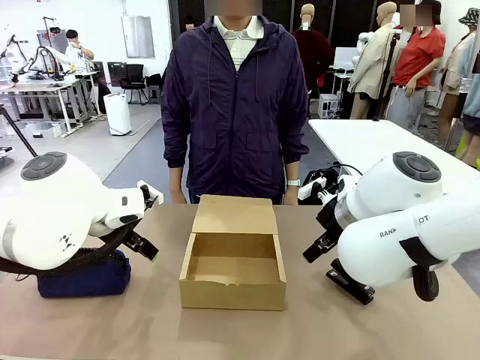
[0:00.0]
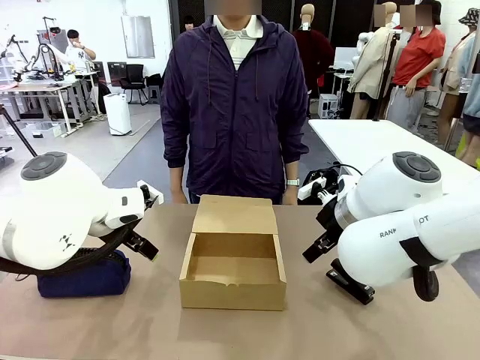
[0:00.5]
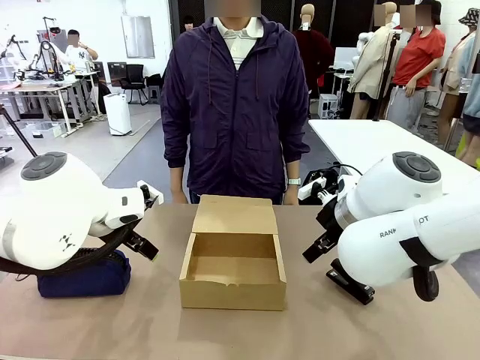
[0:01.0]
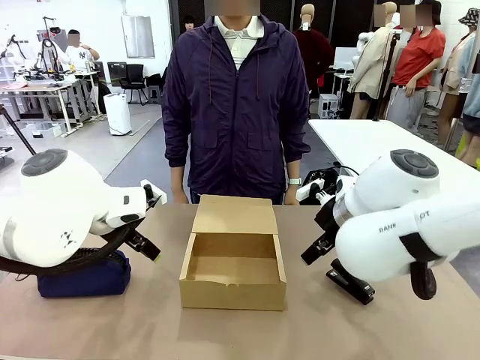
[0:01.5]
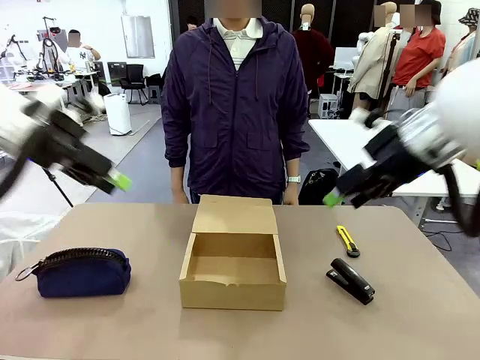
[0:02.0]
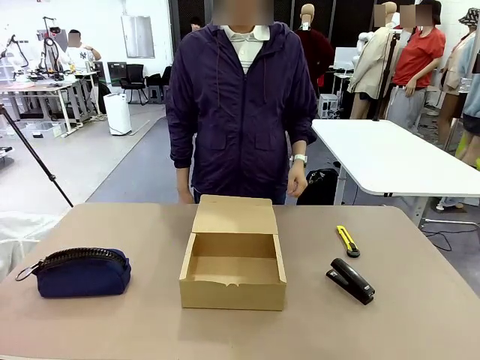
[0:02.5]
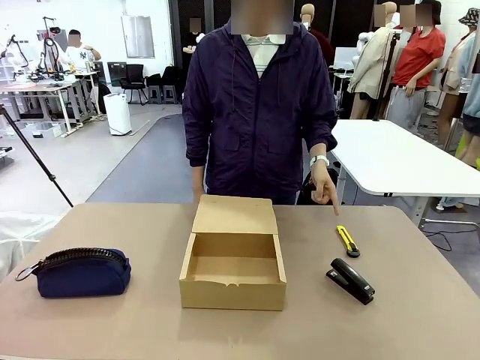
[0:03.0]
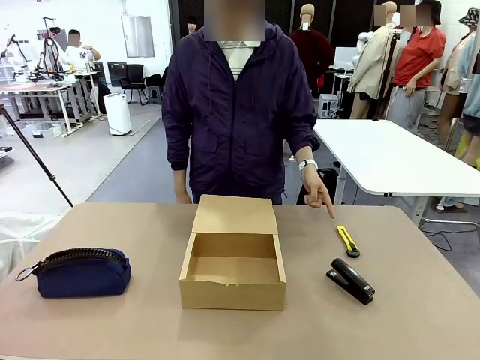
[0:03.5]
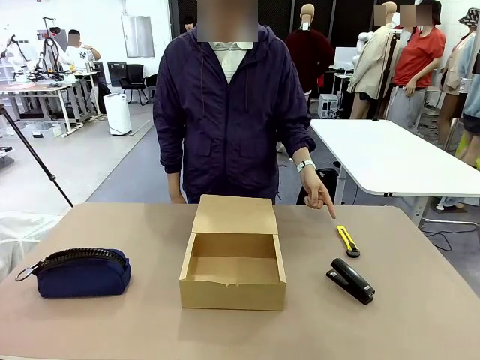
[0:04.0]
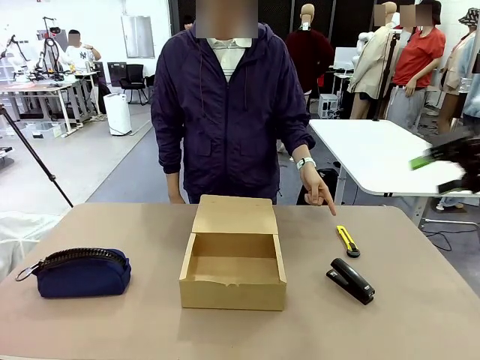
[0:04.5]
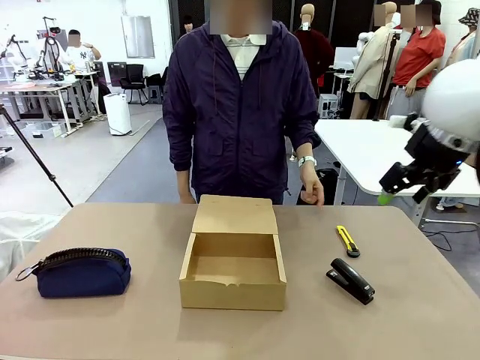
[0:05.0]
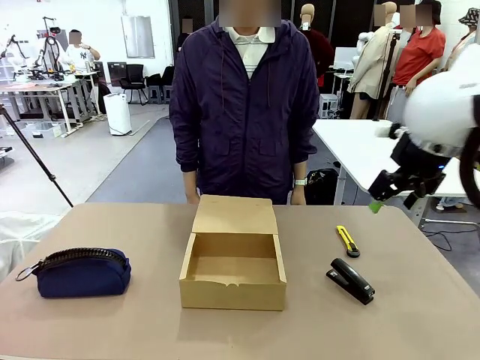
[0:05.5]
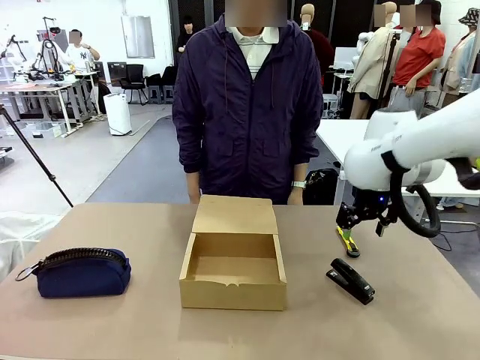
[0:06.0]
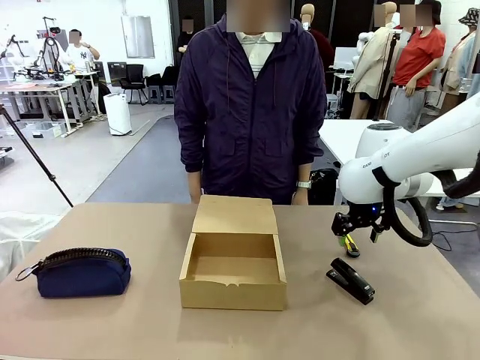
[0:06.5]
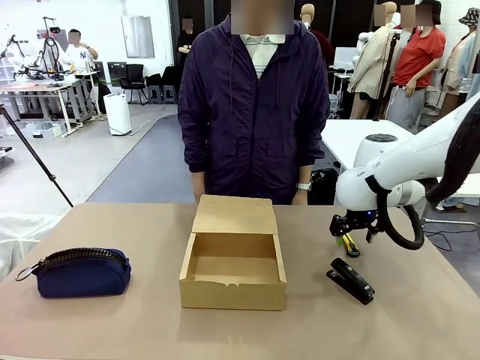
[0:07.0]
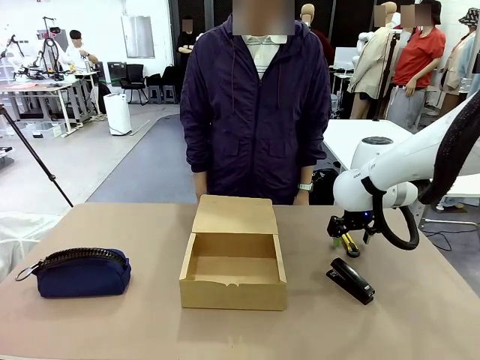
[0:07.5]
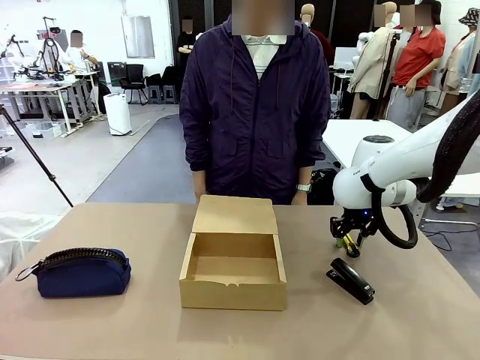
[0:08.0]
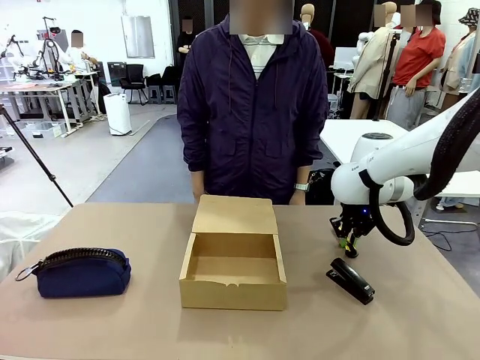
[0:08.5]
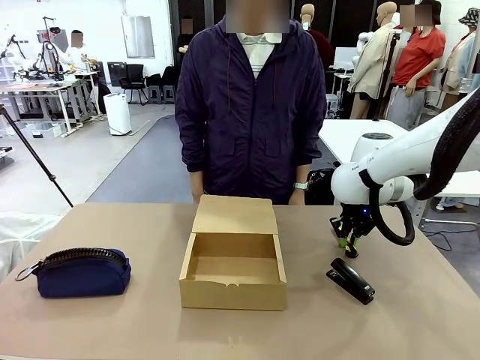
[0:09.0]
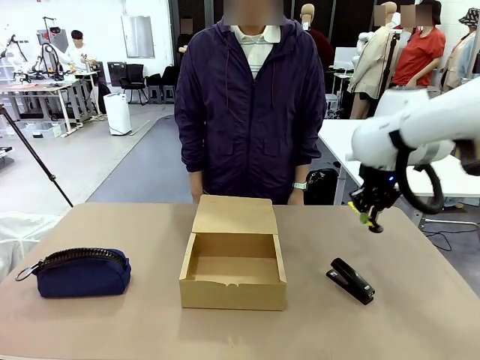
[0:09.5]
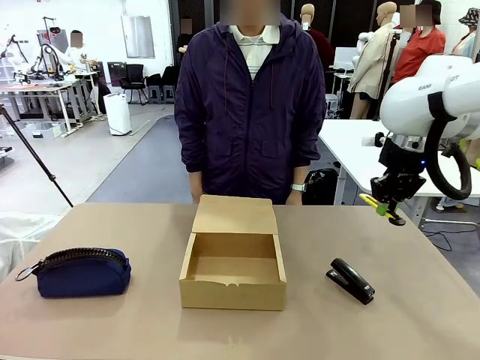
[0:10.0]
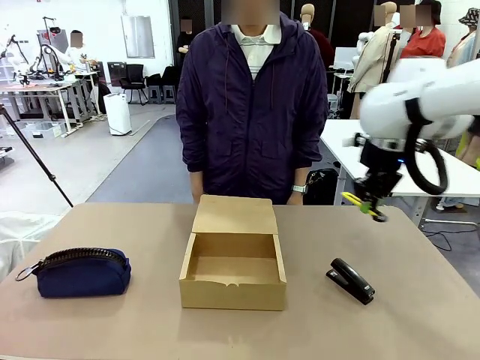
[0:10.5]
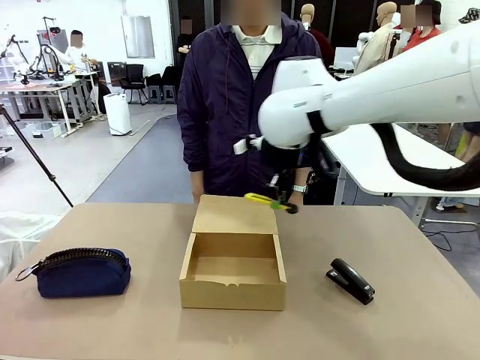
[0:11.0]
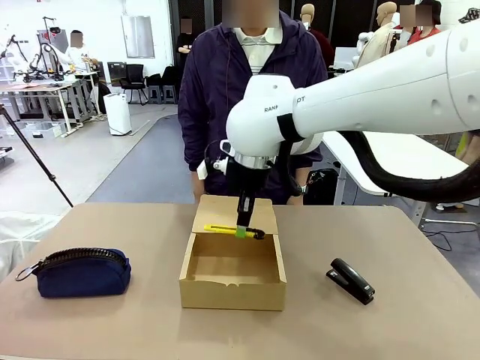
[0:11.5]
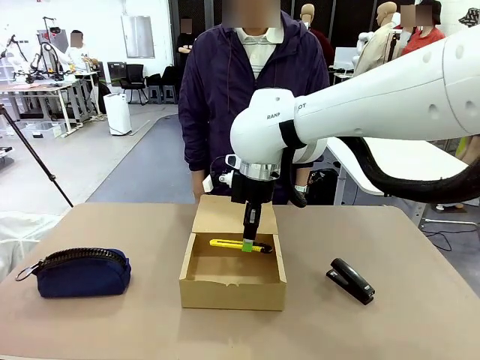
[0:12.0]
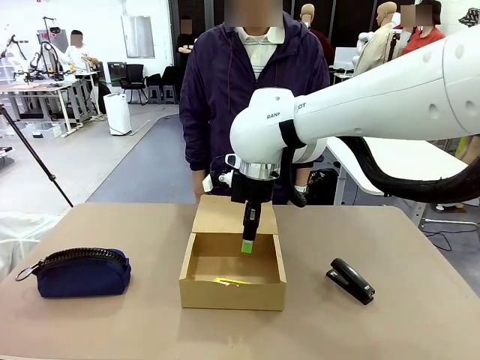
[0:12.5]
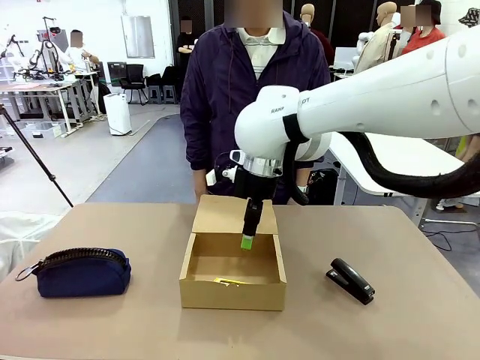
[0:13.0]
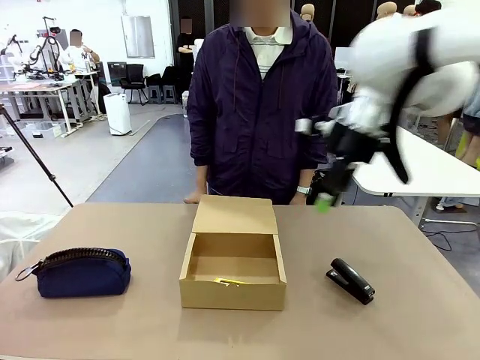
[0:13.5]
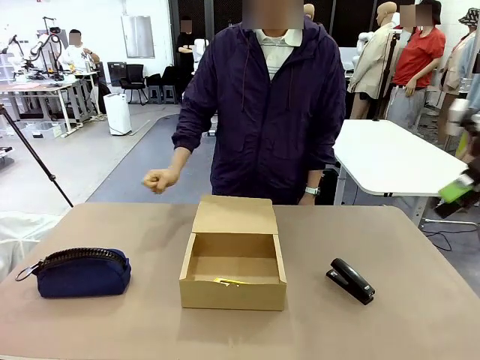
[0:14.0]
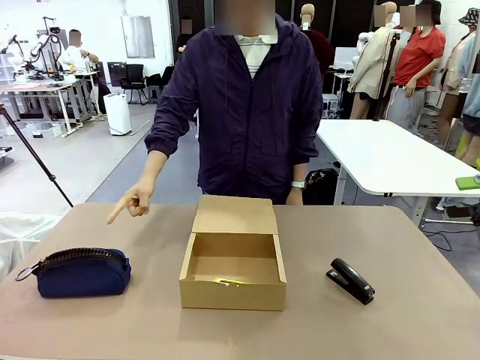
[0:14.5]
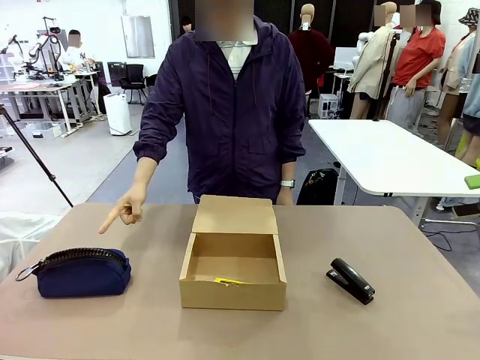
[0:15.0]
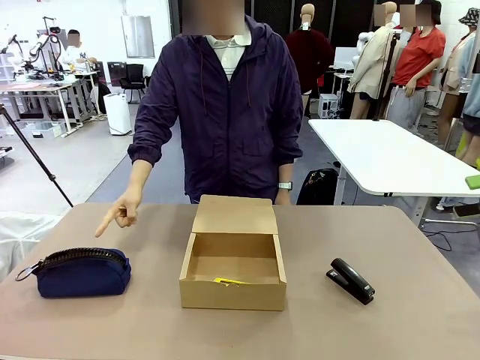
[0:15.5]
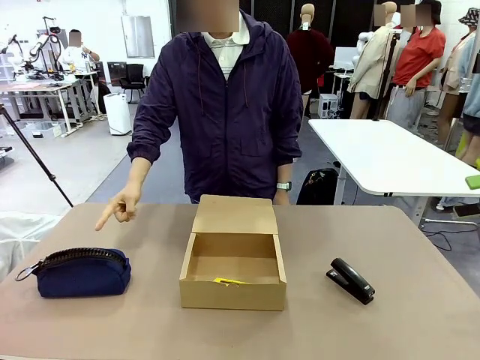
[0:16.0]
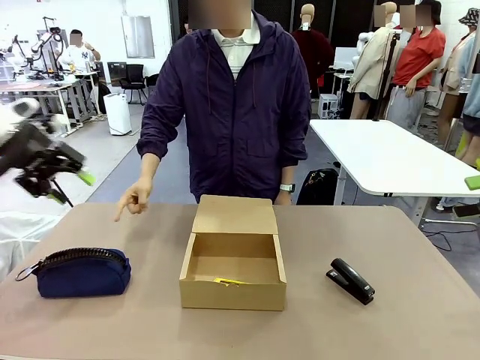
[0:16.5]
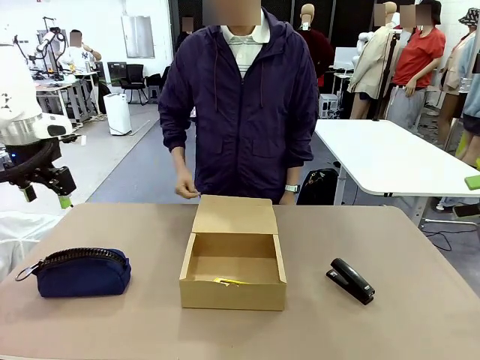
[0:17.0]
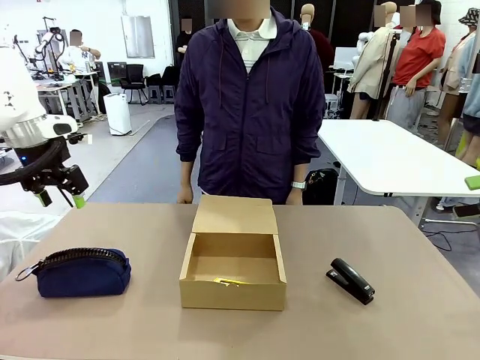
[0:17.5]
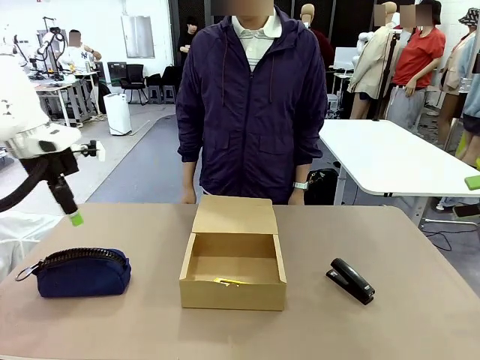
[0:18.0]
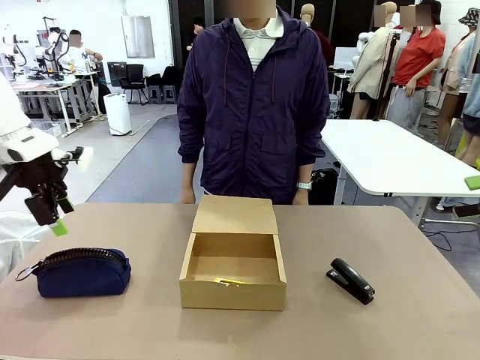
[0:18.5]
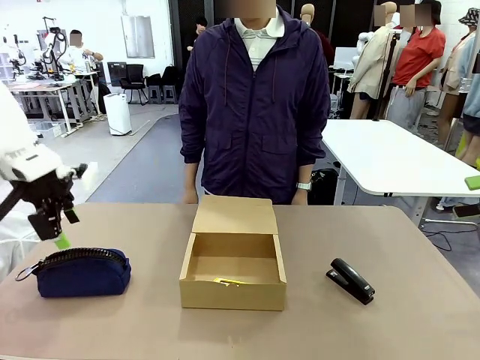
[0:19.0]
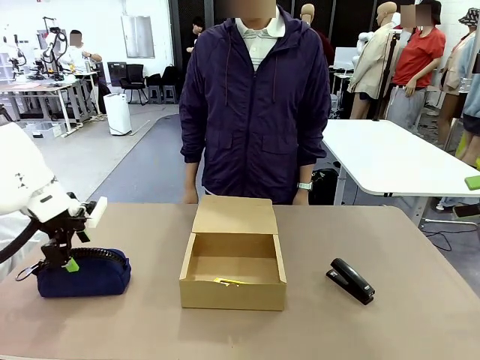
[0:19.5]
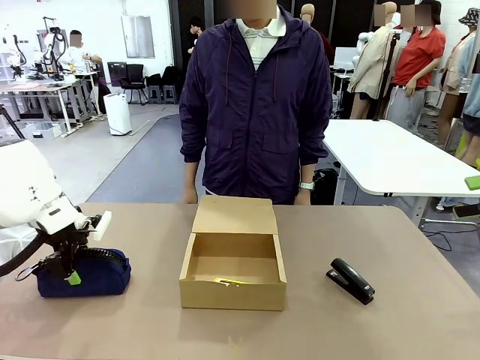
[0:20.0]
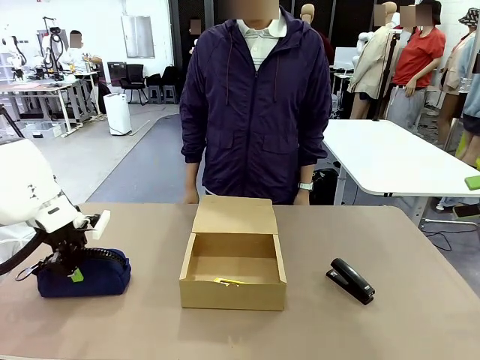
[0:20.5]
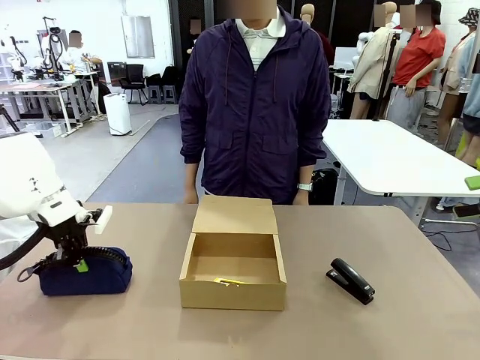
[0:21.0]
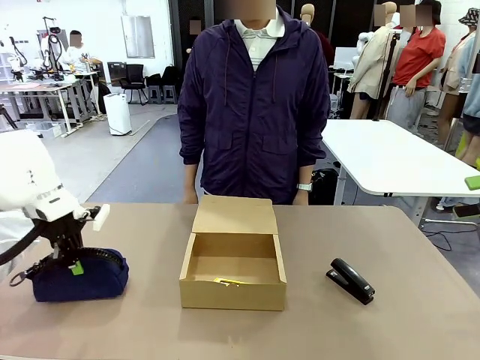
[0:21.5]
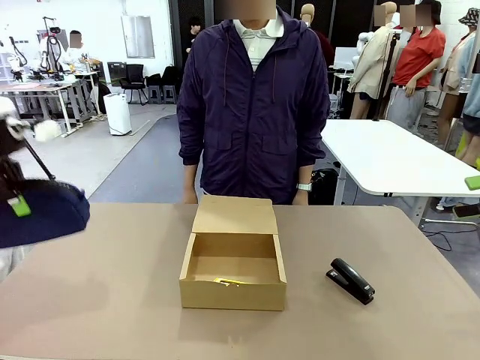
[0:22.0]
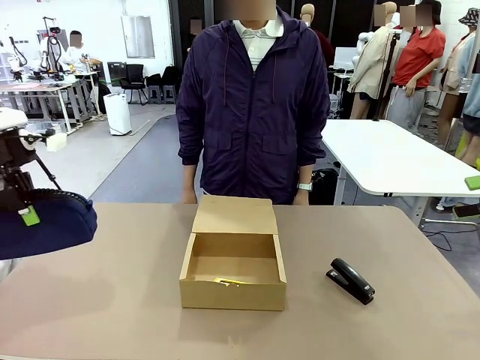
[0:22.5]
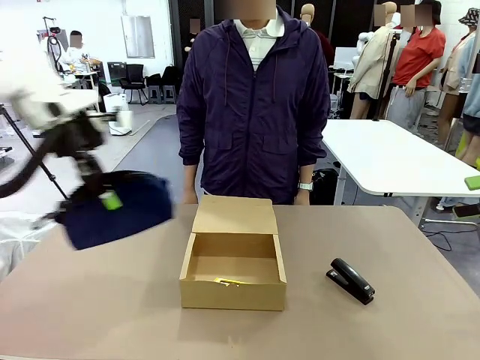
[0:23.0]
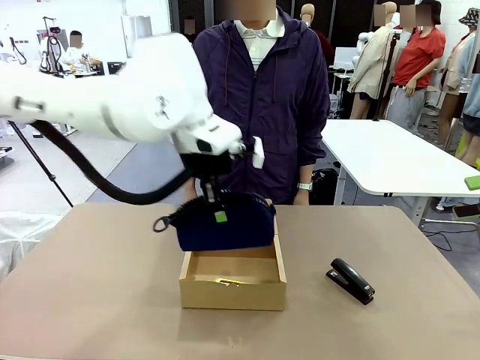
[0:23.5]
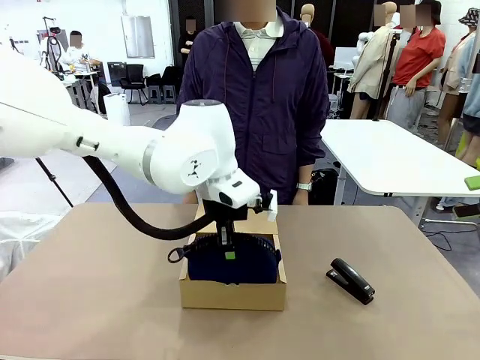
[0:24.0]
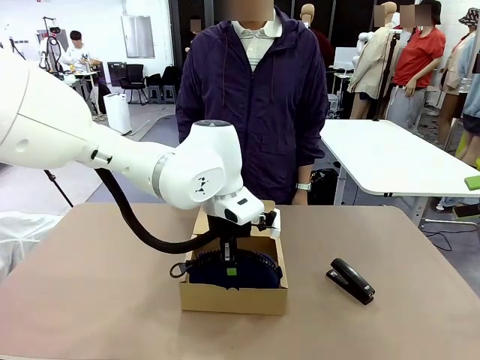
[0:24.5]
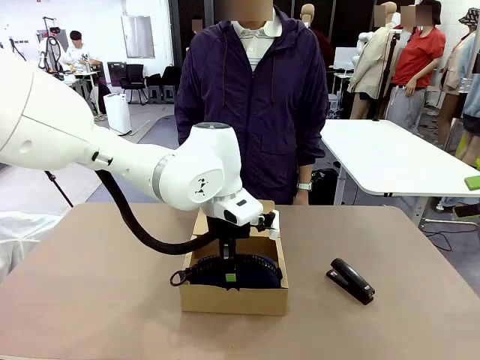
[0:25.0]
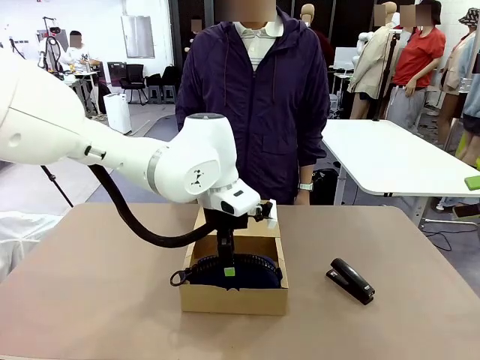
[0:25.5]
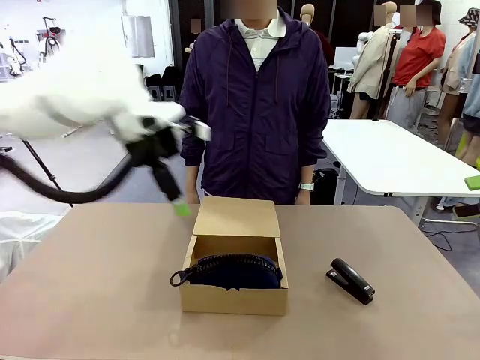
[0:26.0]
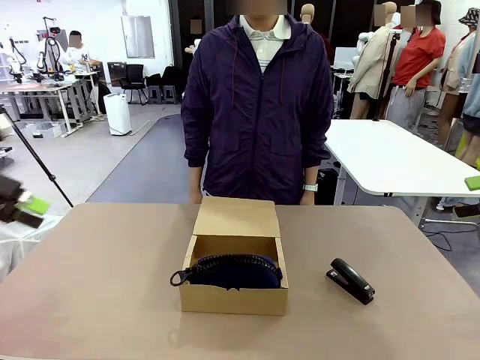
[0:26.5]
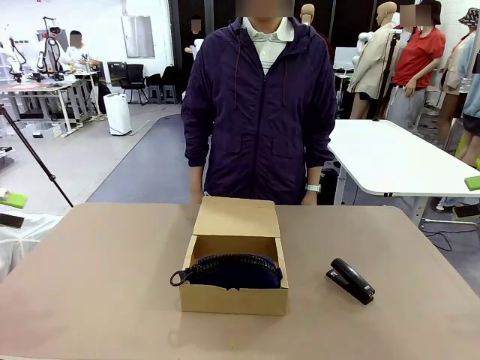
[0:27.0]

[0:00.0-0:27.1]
Task: Pack the items into the box.
Robot: Pick up the item specified by the human and place it in the Mailer Box.
Person: Point at one item on the table (excluding the box). Lower both hands vertically with palms facing downward, as if pressing something closed.
